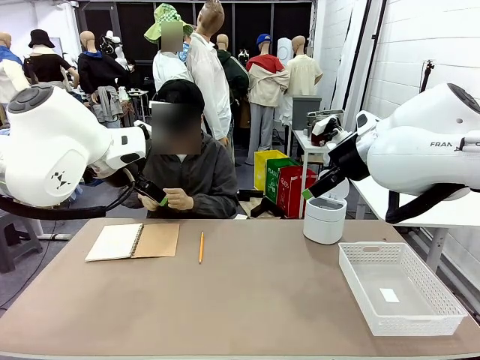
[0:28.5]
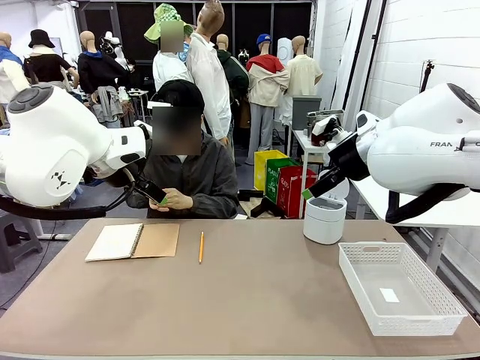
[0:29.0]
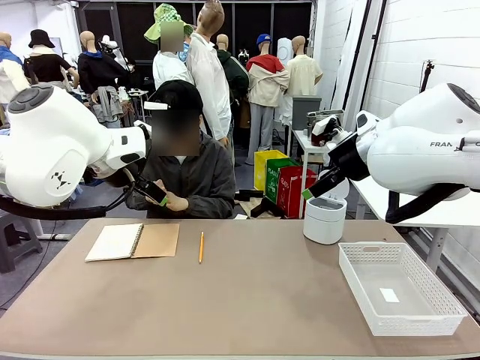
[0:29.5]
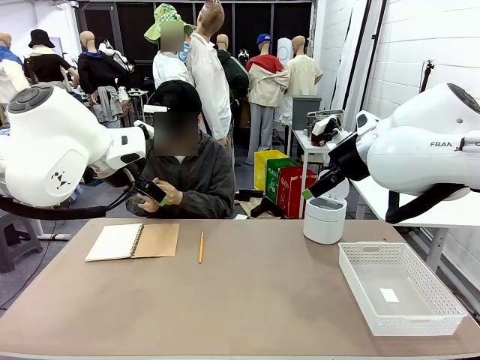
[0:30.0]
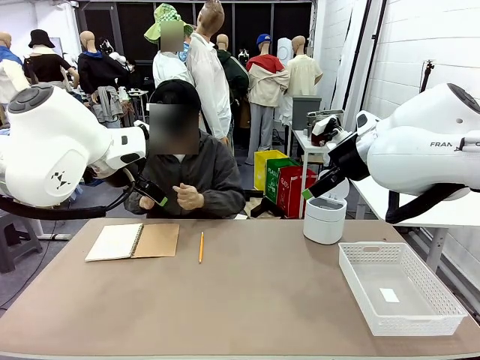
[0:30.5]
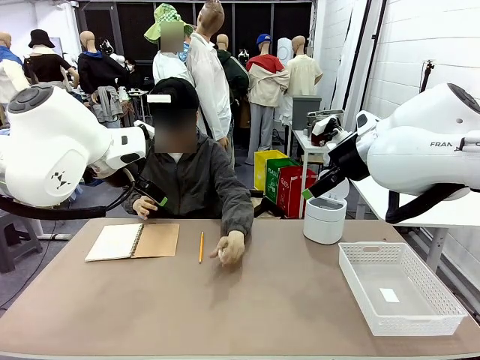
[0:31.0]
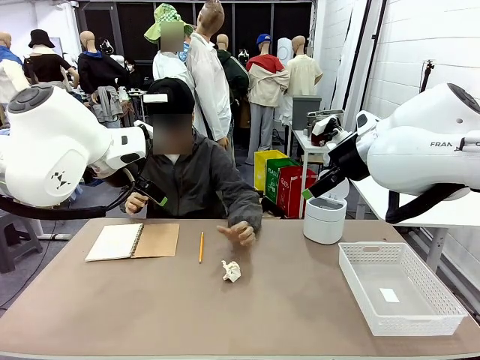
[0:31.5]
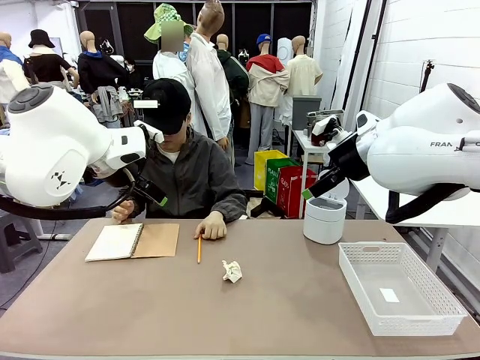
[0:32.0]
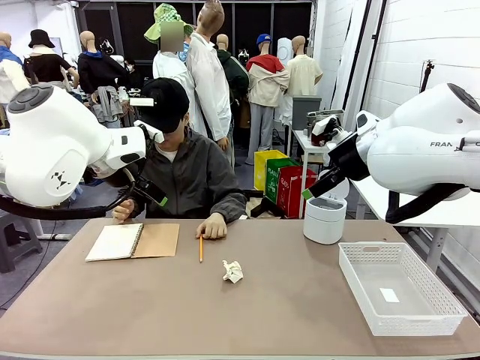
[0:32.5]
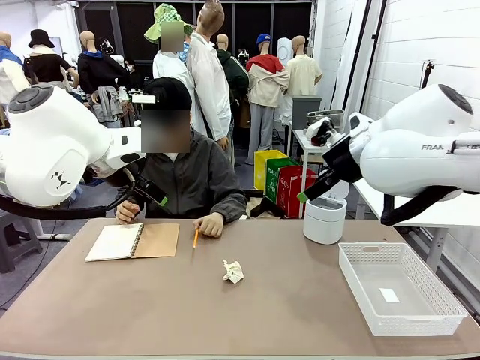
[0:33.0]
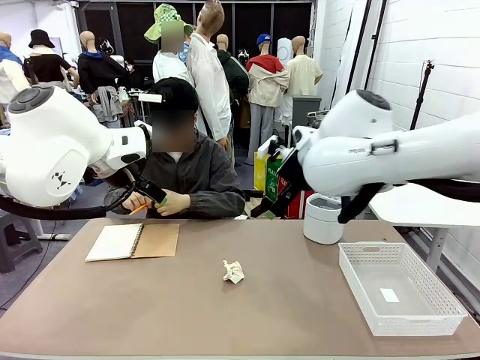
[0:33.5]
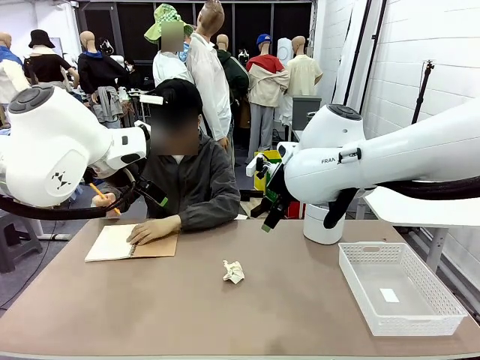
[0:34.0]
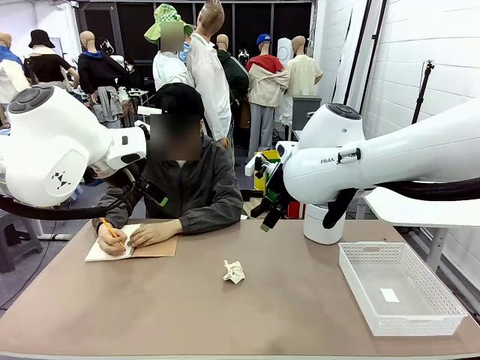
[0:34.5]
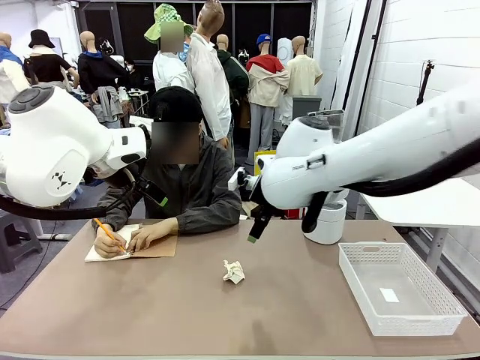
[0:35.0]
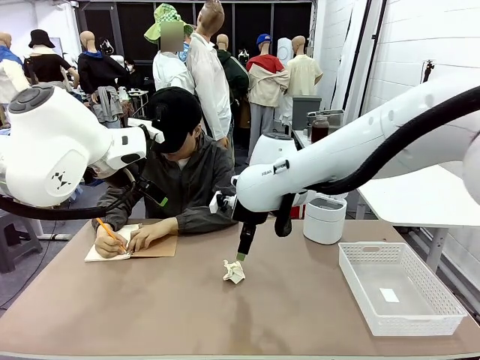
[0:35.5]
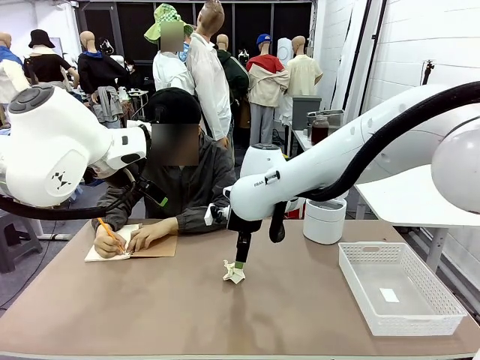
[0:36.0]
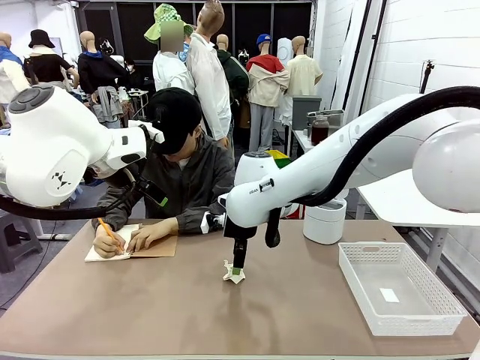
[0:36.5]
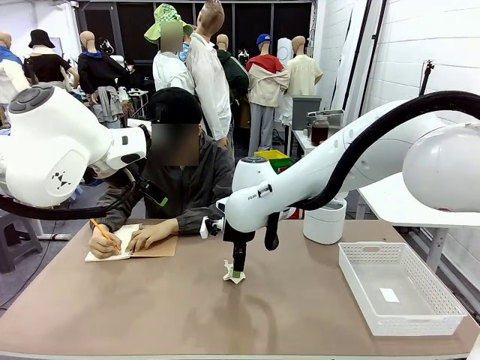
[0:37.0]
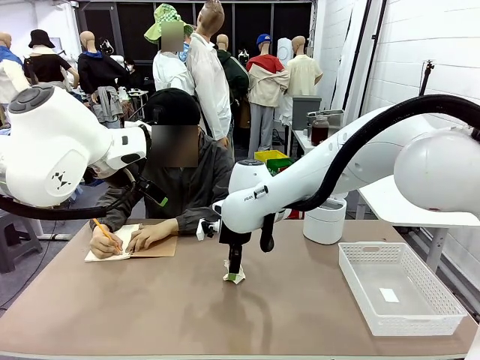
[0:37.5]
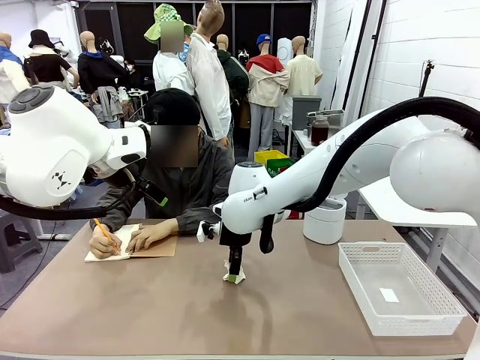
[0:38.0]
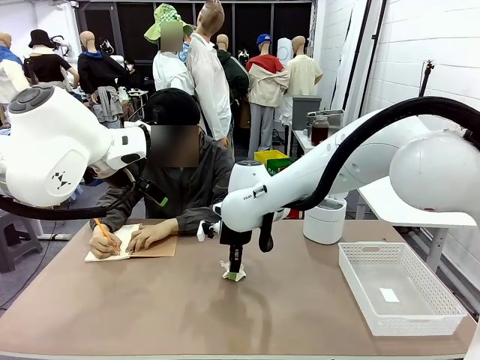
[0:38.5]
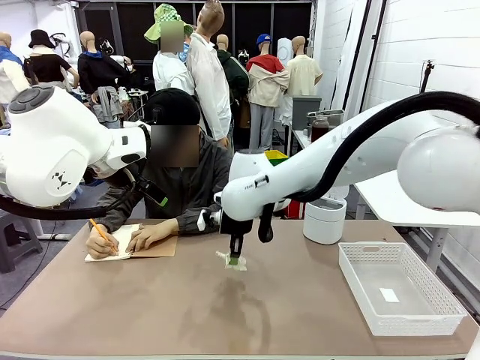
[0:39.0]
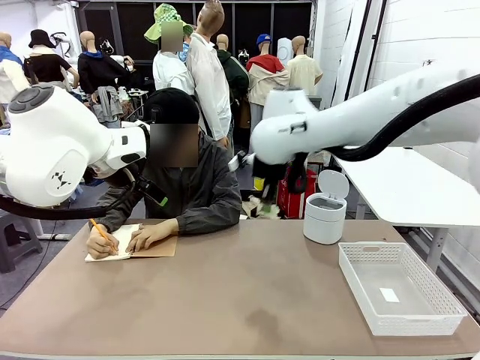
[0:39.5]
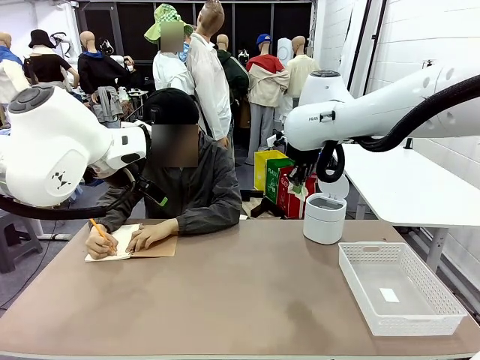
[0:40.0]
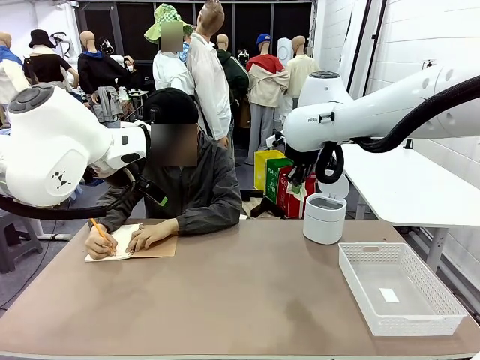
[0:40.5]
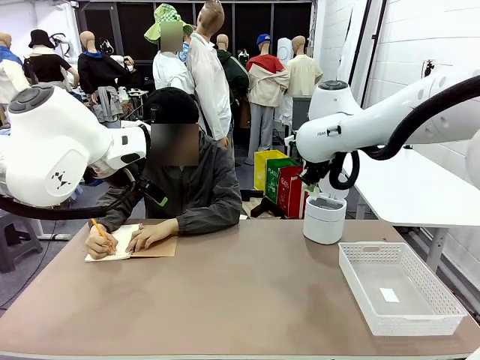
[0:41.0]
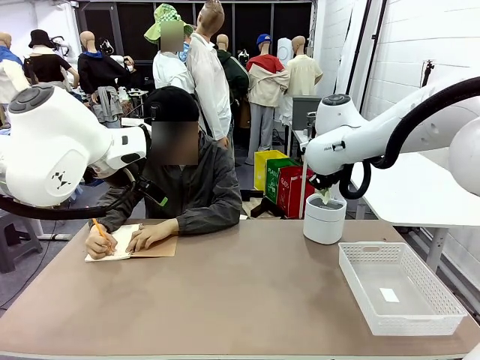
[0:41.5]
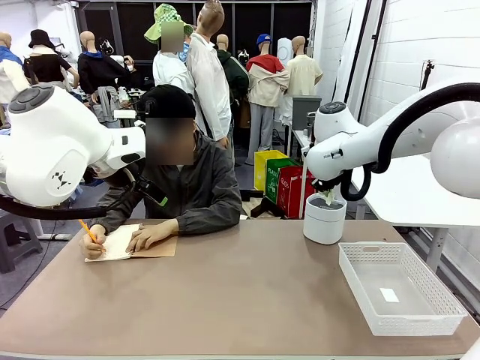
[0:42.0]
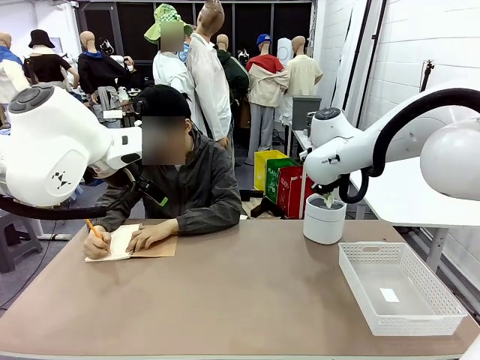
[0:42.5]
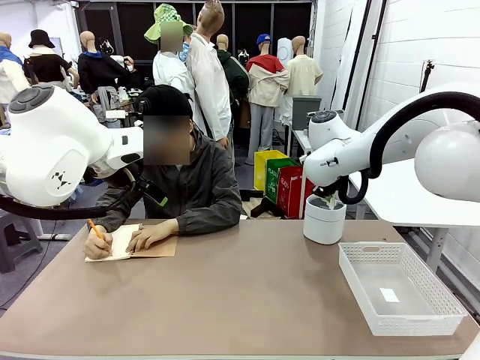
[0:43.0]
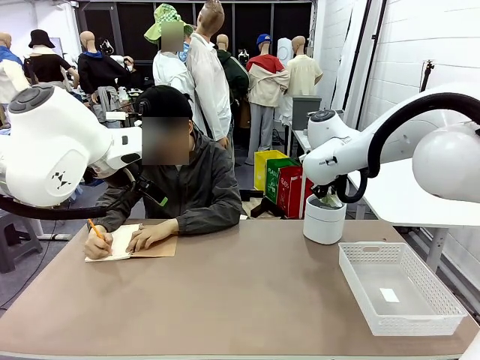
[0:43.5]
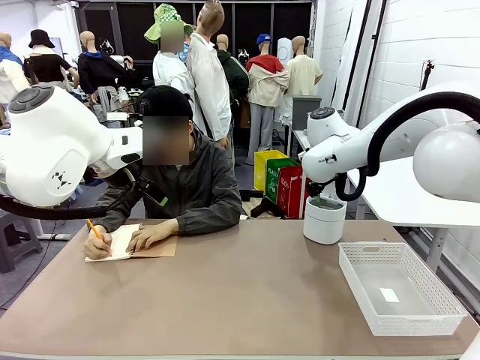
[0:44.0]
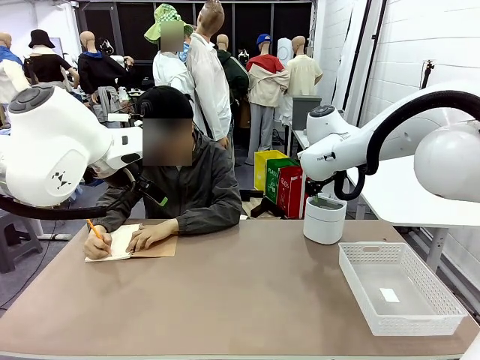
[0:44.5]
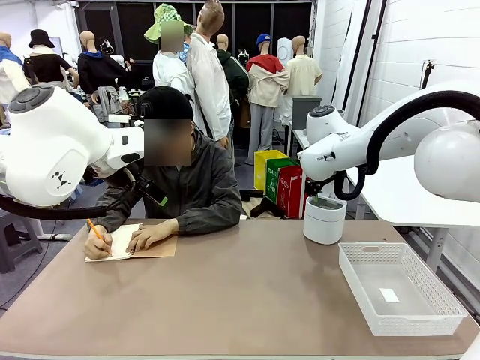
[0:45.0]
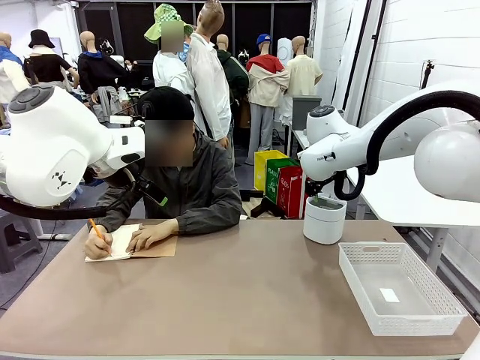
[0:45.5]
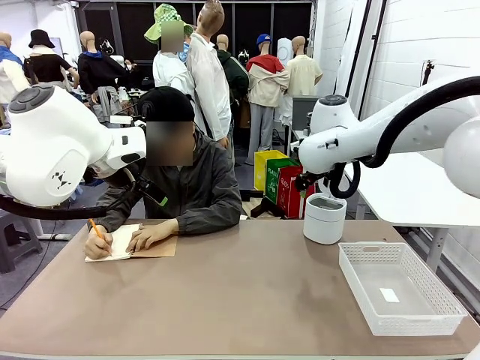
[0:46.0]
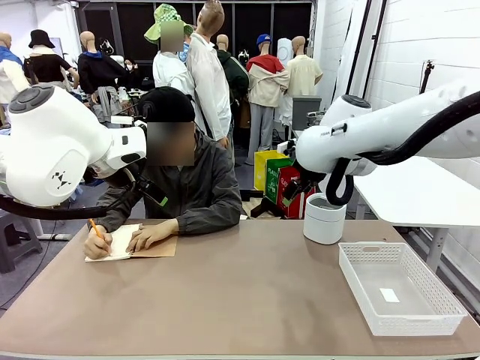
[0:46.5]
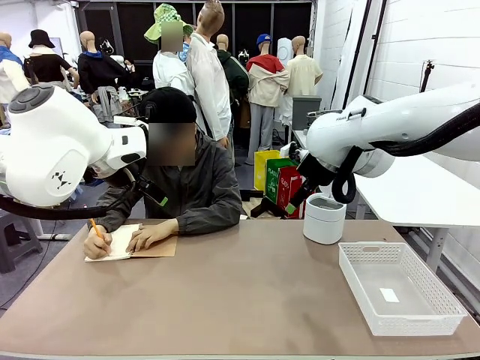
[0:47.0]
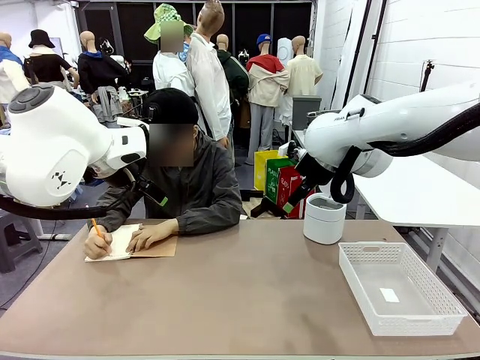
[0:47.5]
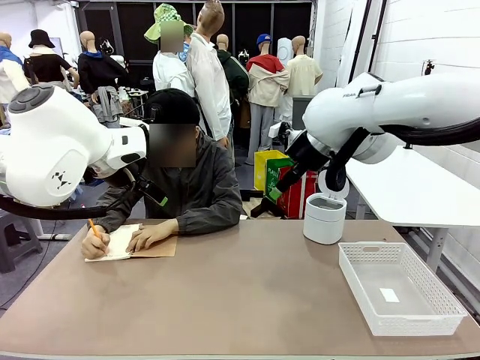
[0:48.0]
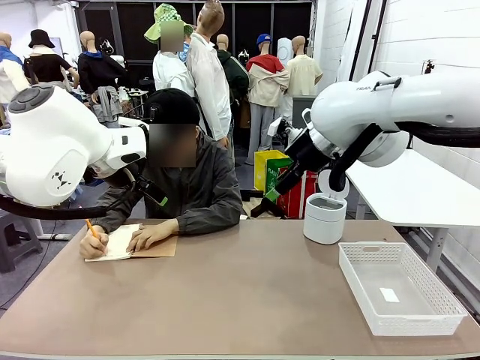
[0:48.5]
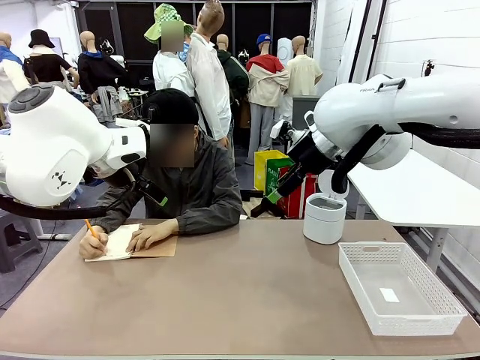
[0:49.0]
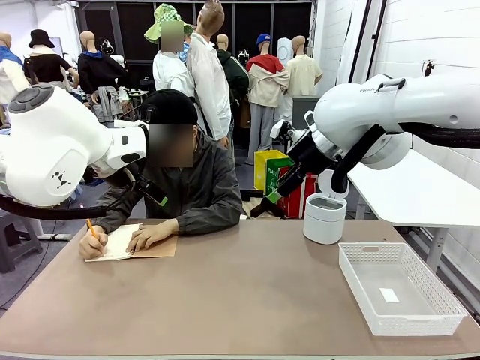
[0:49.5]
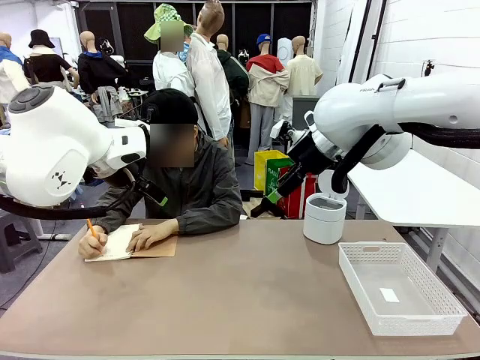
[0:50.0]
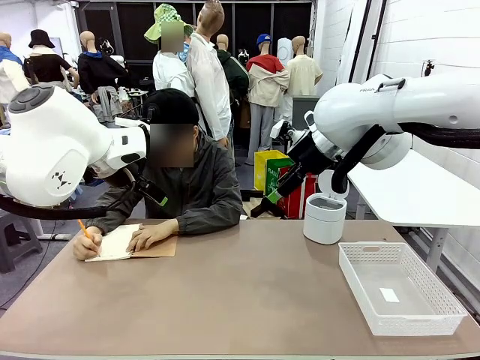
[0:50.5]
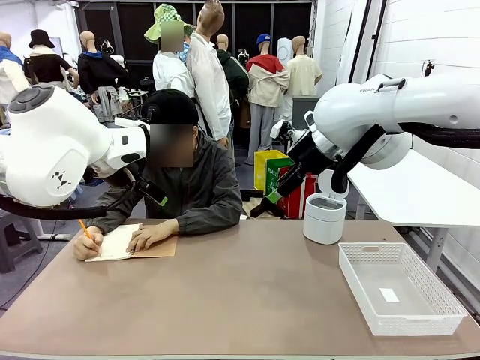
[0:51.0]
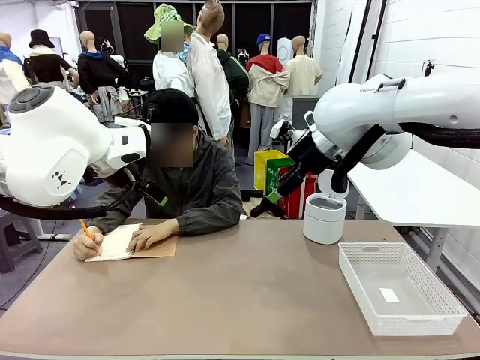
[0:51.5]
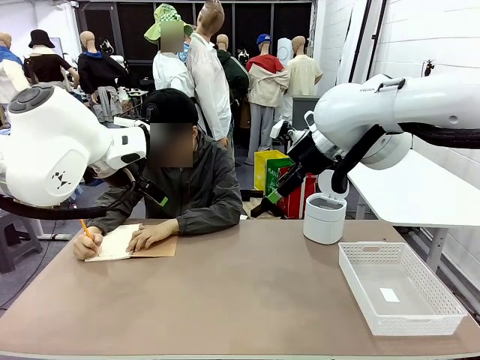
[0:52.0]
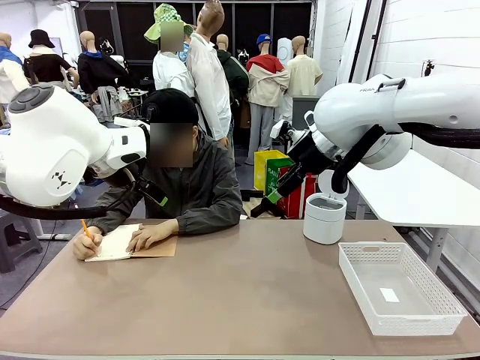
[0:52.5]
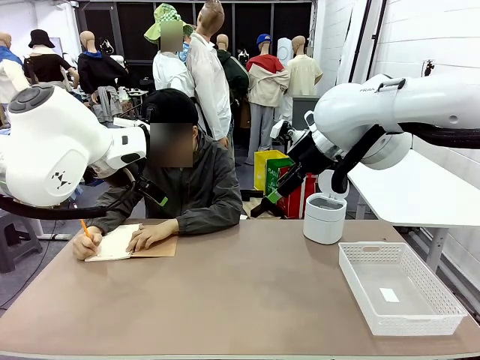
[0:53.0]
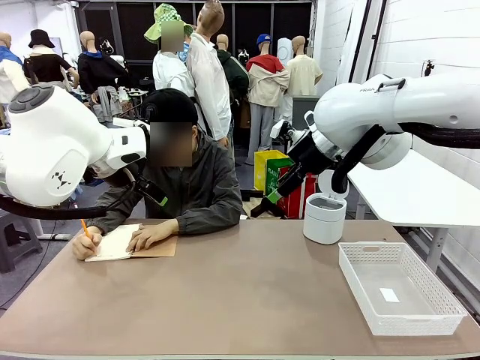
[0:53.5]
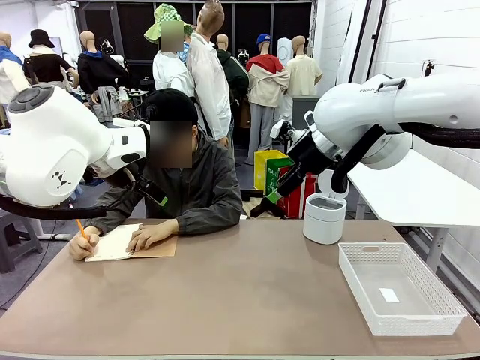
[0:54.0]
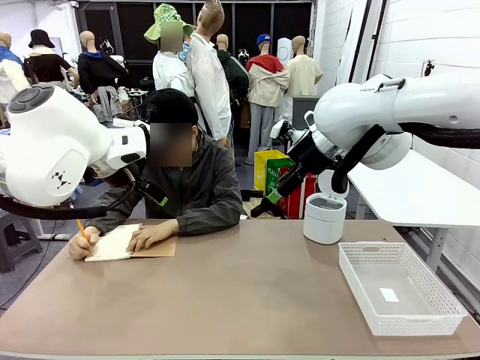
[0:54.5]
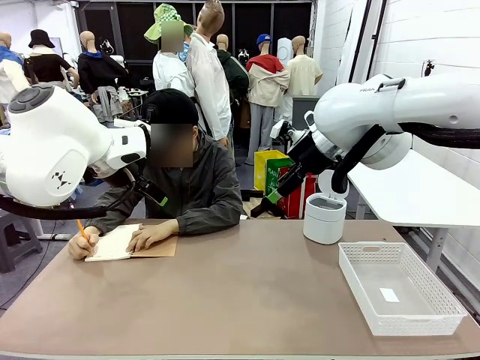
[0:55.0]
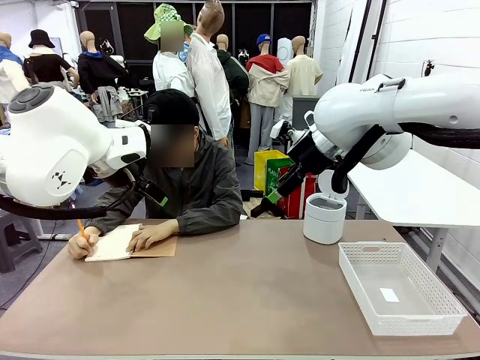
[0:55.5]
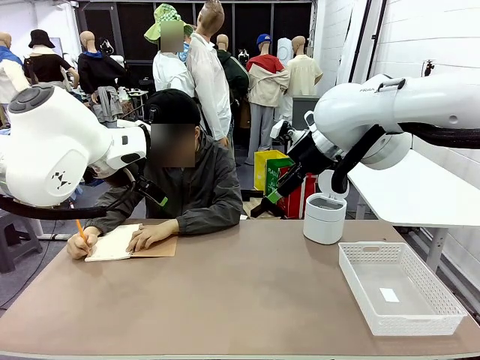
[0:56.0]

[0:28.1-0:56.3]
Task: Sort the paper based on its condition.
Robot: If a person hands you a paper, place it in the Organizing basket , and if it's crumpled, put it in the Trash can.
Person: Hand the torn page to the robot or crumple it and throw it to the center of the table. Tear out a page from the spiral notebook.
